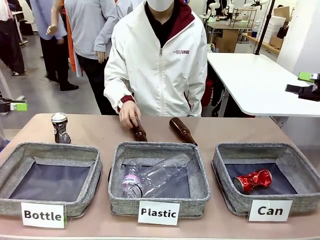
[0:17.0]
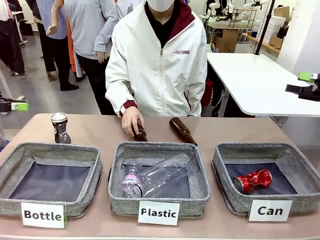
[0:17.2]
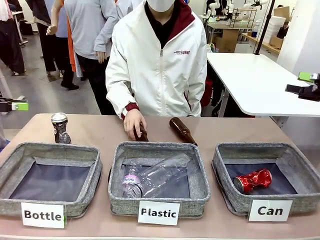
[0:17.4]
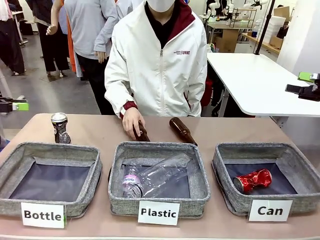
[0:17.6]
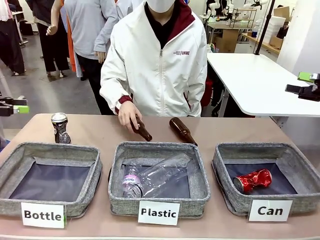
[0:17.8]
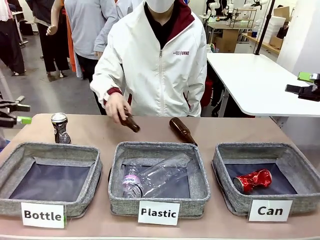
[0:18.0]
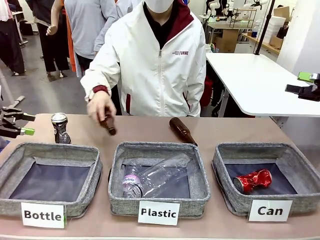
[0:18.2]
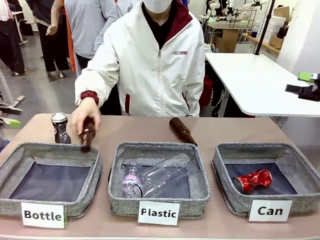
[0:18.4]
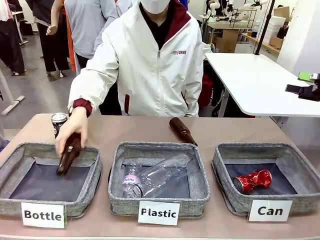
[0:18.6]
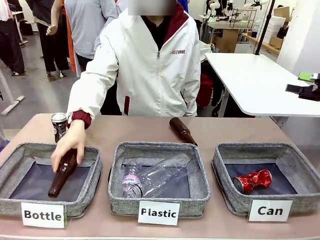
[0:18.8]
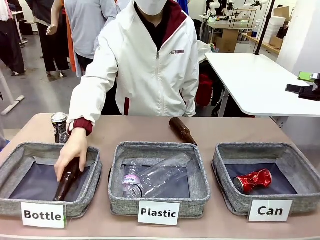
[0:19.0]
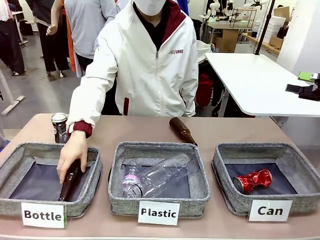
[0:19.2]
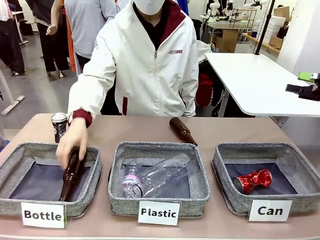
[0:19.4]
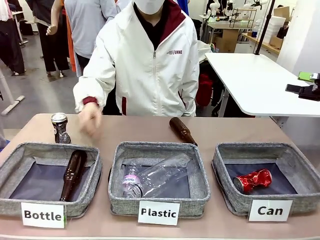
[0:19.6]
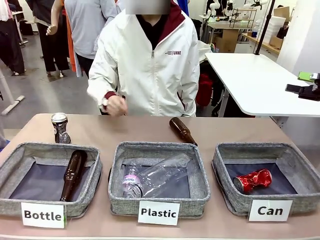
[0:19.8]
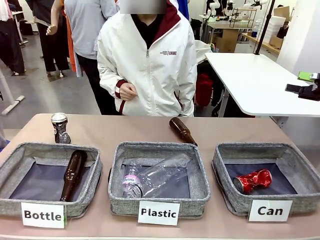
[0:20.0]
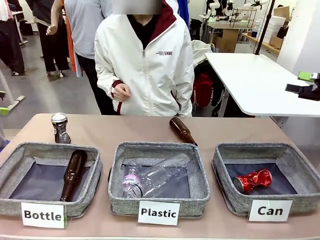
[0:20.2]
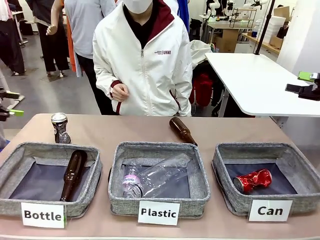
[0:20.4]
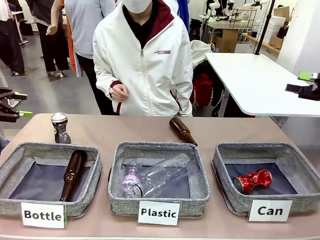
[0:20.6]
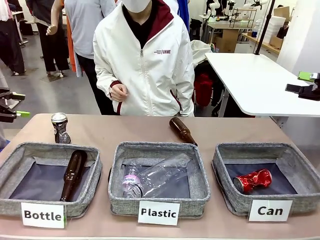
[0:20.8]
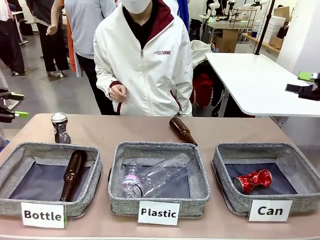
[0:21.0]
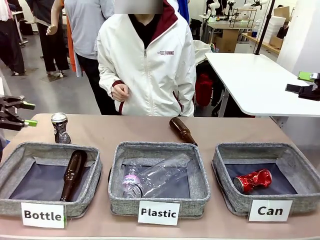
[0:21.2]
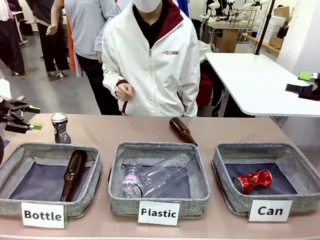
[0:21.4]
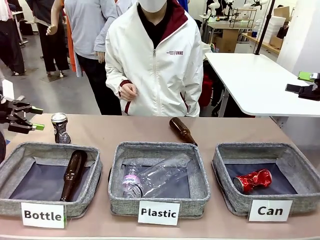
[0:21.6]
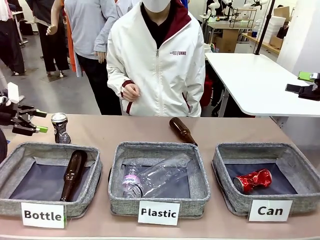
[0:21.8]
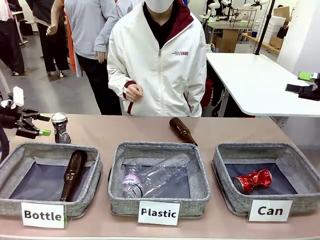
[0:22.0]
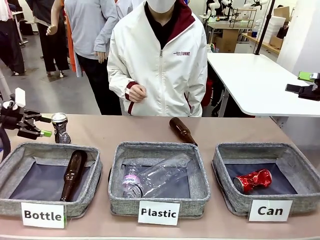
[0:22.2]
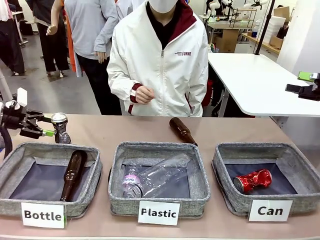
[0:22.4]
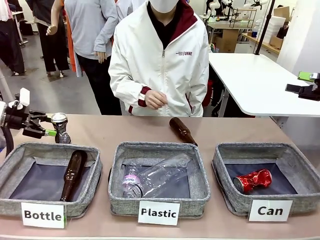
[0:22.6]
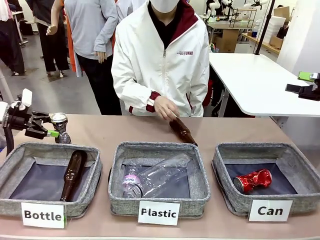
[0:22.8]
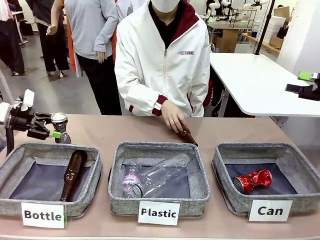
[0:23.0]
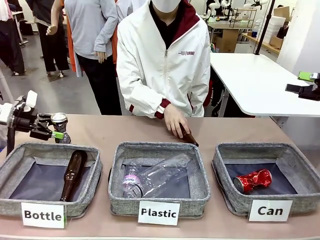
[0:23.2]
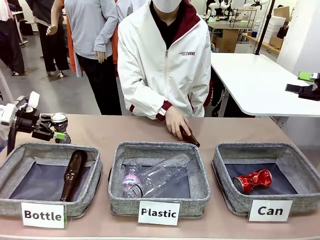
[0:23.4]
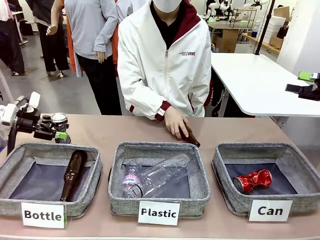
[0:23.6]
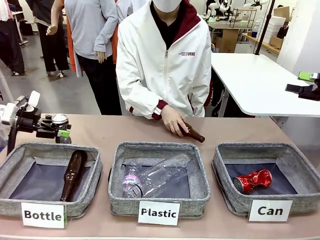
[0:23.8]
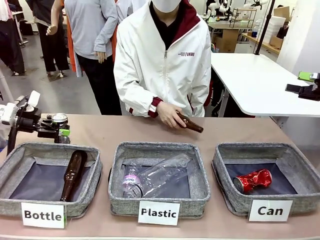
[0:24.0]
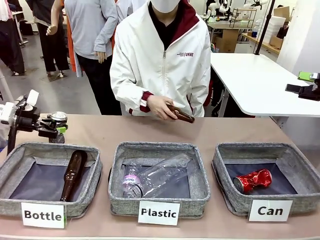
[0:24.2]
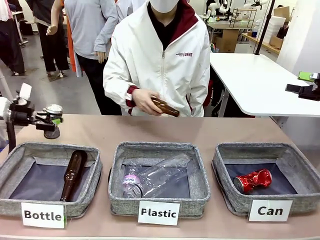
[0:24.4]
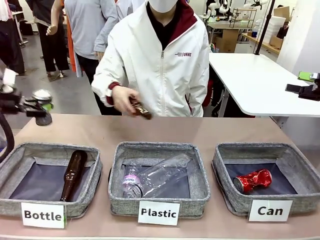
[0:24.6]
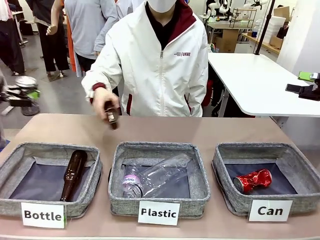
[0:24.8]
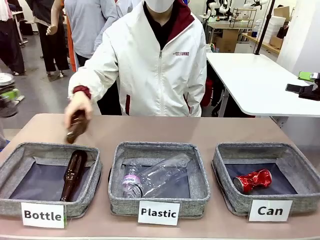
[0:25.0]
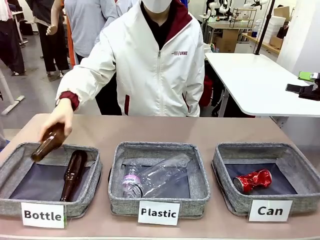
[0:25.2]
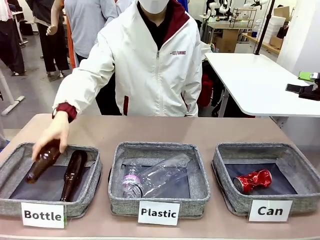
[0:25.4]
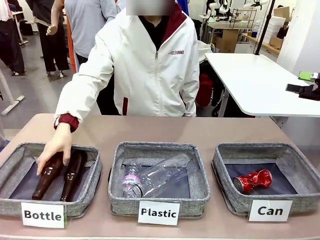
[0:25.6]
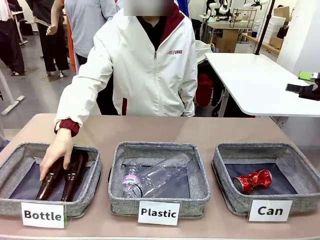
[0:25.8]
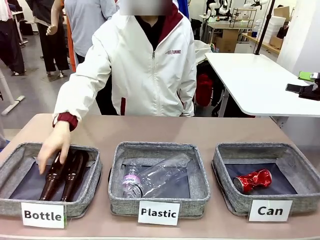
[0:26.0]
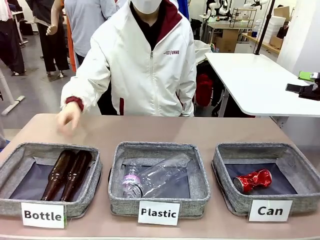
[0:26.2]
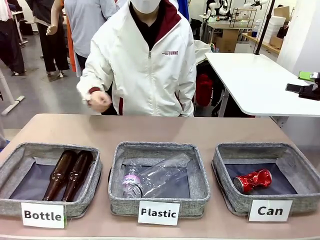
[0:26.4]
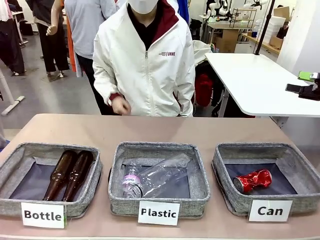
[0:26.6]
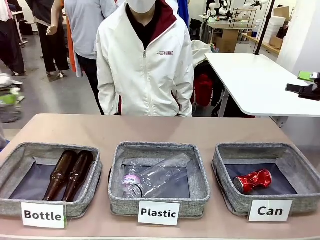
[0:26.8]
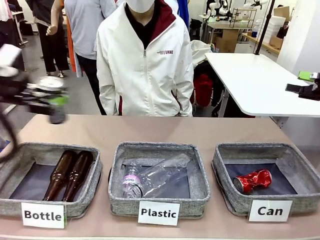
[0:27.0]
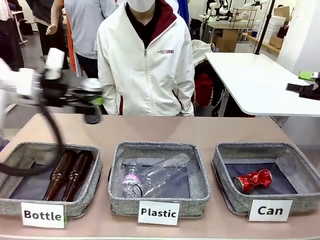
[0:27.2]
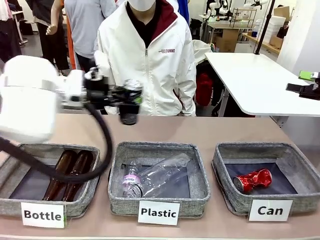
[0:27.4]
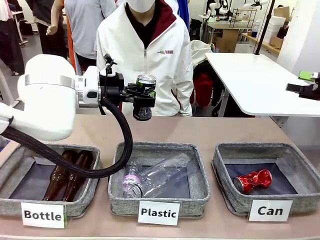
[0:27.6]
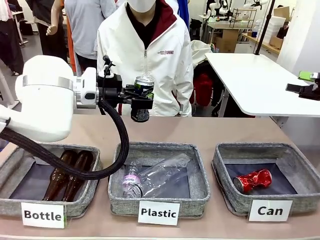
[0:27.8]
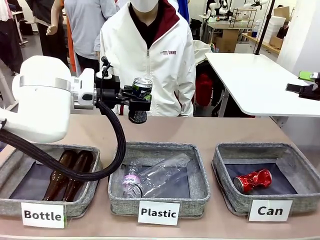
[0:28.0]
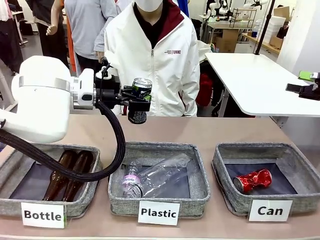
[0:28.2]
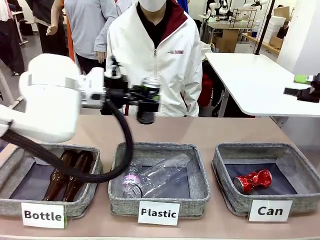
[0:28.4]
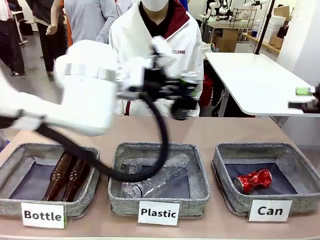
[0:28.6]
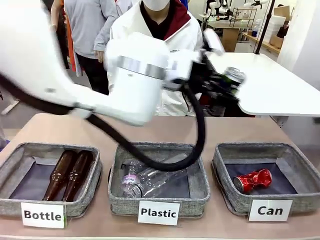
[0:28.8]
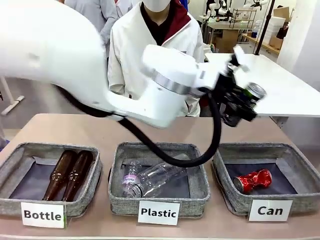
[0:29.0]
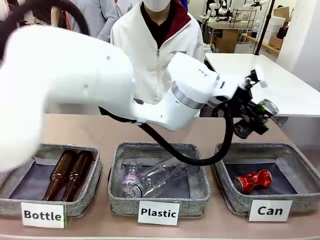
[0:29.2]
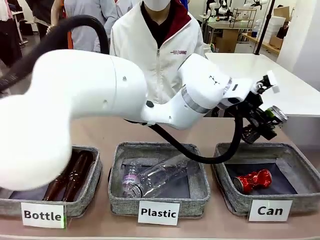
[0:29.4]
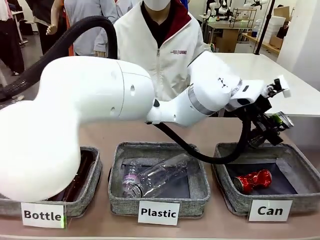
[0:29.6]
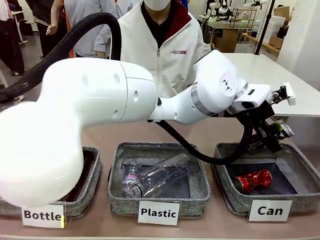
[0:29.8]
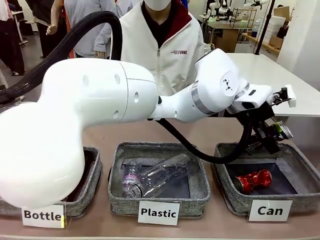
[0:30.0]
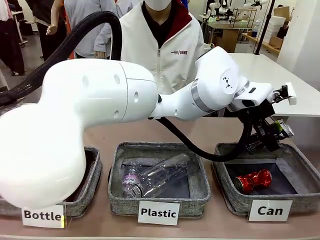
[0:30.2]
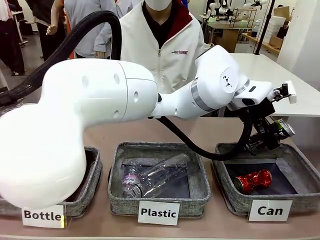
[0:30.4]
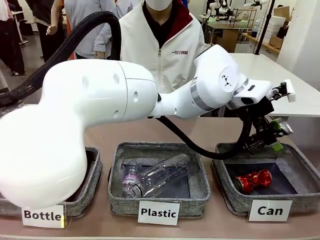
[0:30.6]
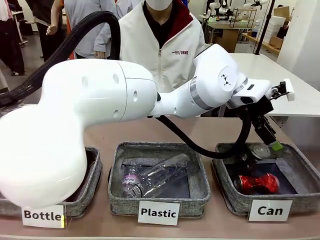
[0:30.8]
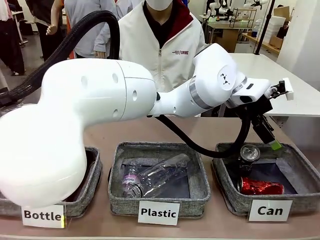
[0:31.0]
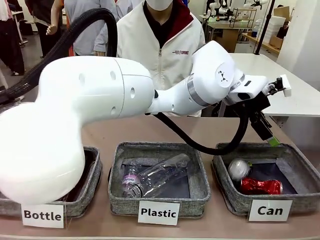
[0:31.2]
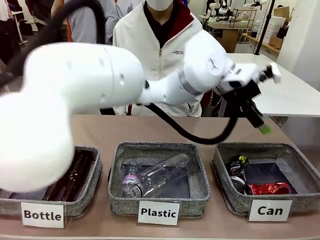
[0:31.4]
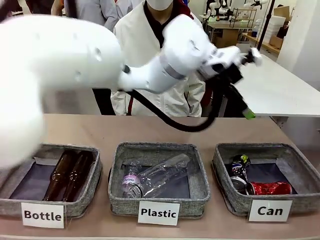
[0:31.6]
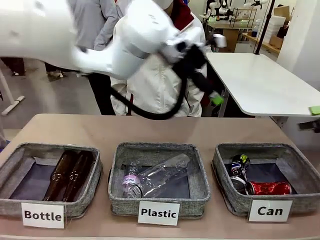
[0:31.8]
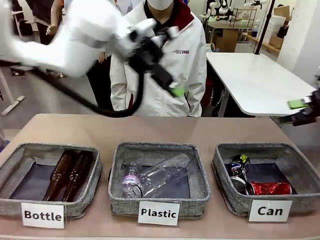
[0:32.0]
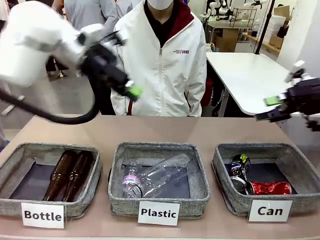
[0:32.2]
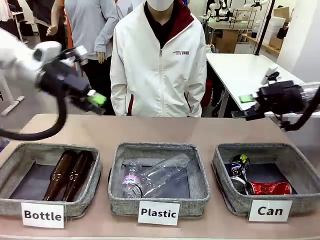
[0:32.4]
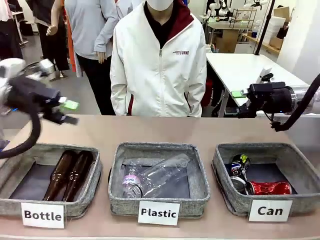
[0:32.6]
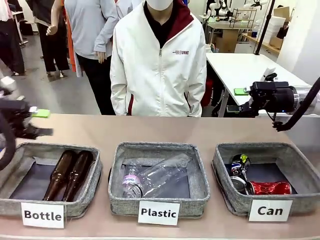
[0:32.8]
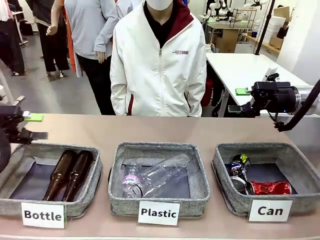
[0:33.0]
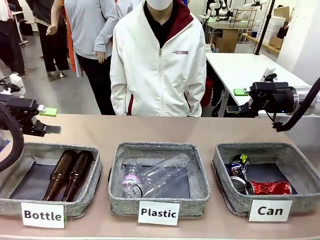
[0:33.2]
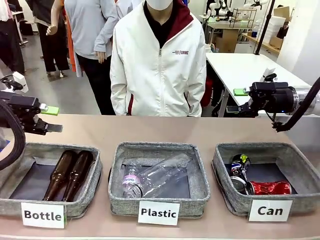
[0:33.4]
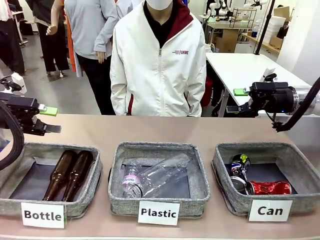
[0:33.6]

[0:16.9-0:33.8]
Task: Sort the can waste into the basket.
Robot: Pick up the can waste from the table and place it in the right Fabric basket.
